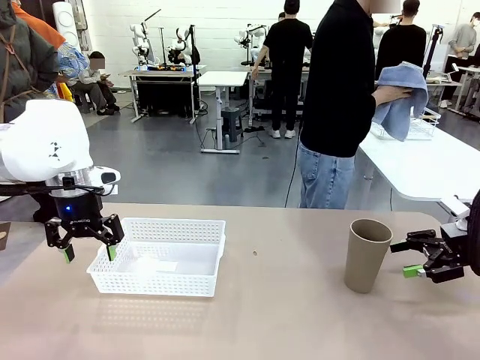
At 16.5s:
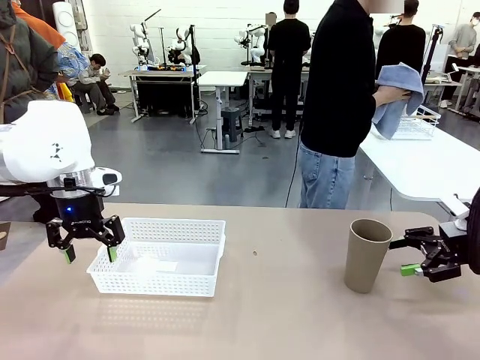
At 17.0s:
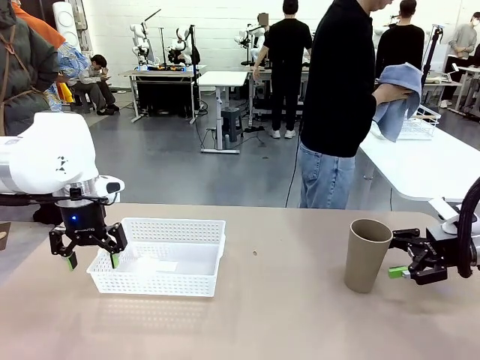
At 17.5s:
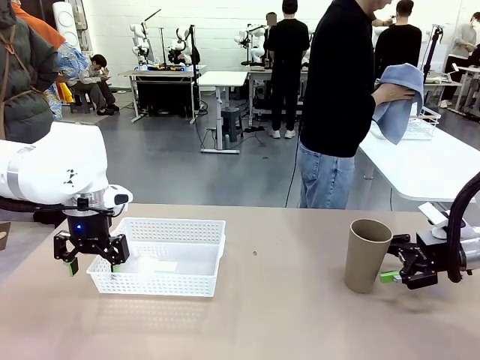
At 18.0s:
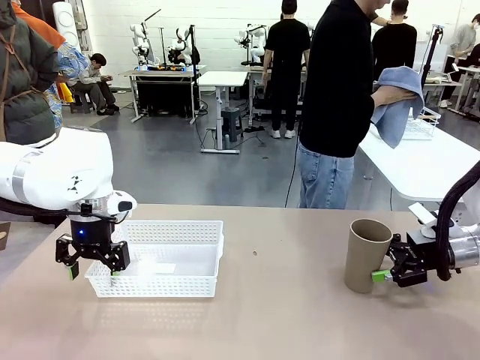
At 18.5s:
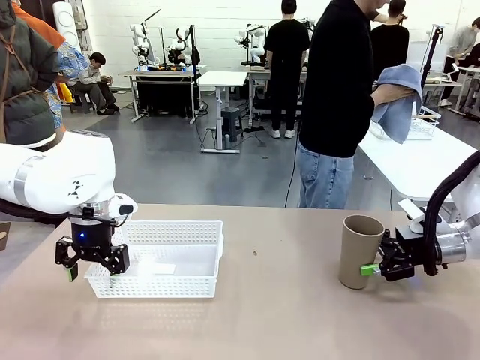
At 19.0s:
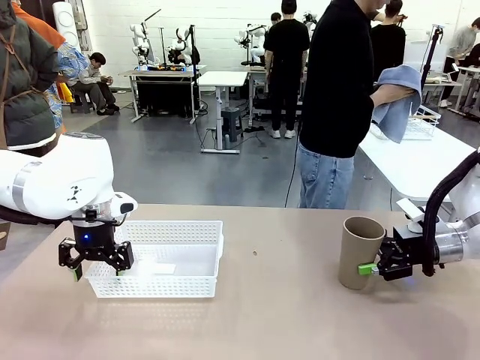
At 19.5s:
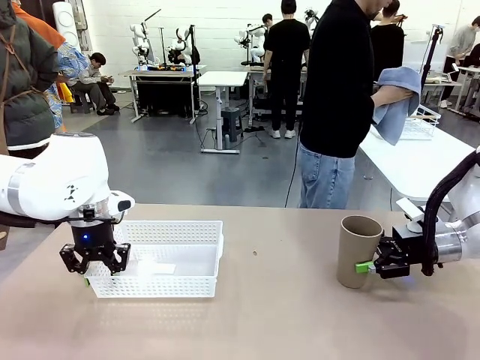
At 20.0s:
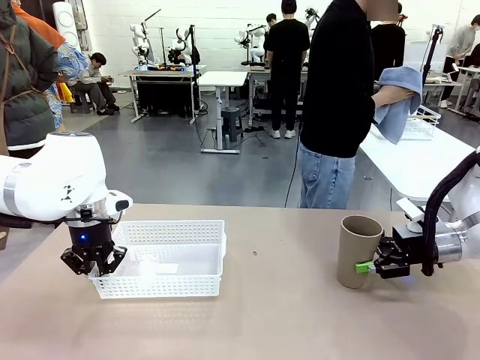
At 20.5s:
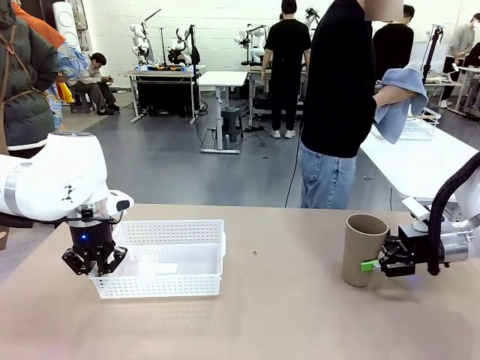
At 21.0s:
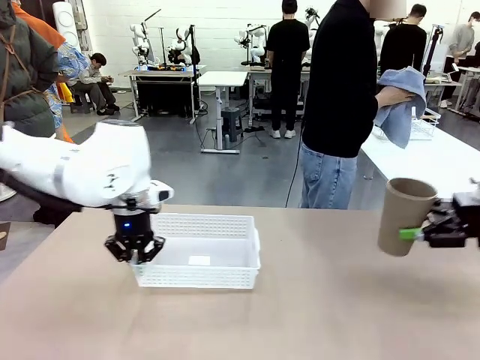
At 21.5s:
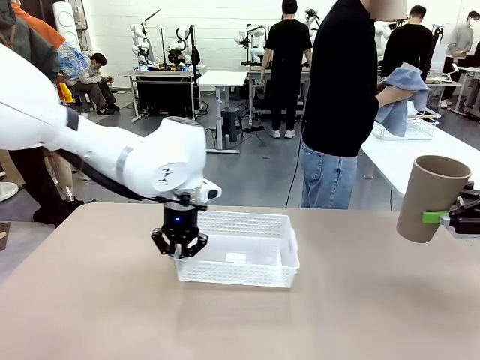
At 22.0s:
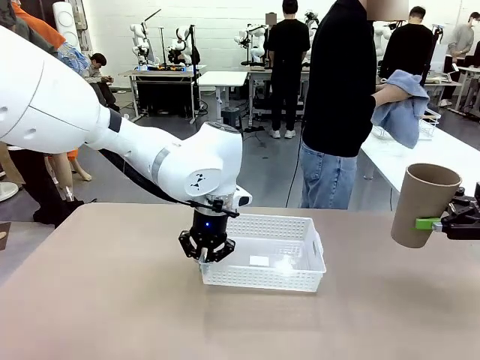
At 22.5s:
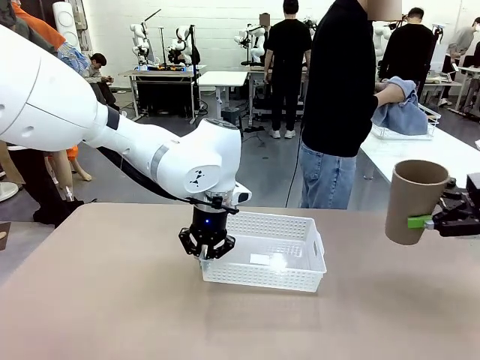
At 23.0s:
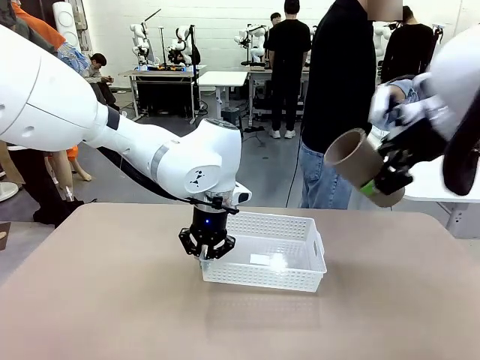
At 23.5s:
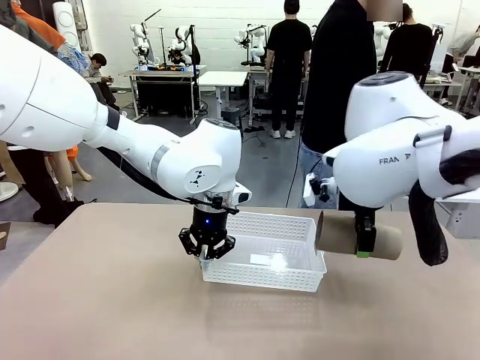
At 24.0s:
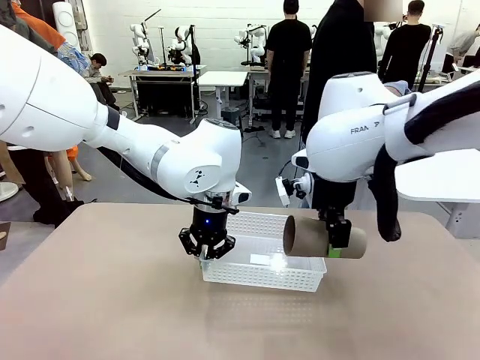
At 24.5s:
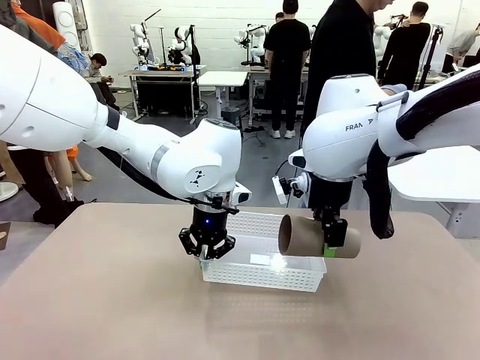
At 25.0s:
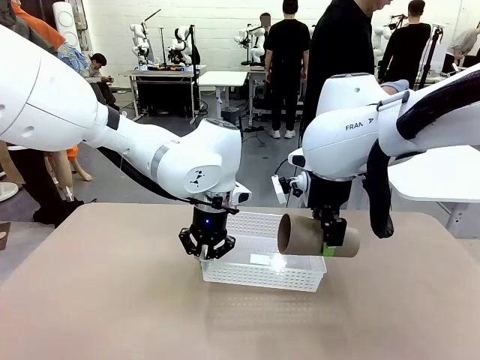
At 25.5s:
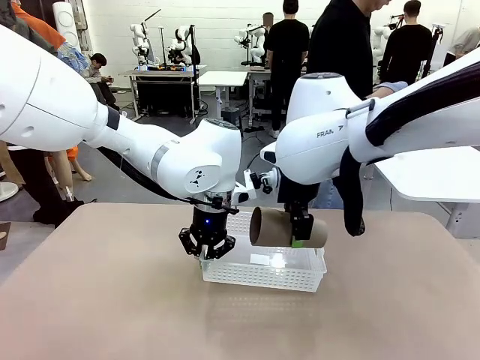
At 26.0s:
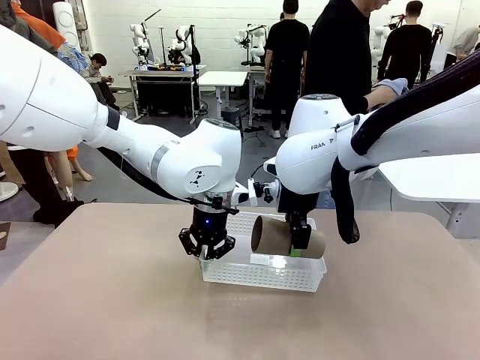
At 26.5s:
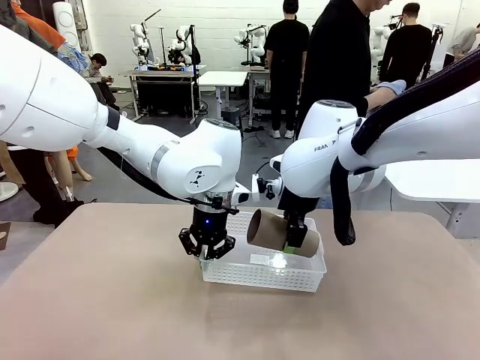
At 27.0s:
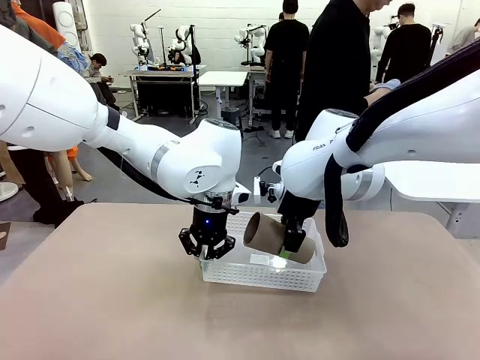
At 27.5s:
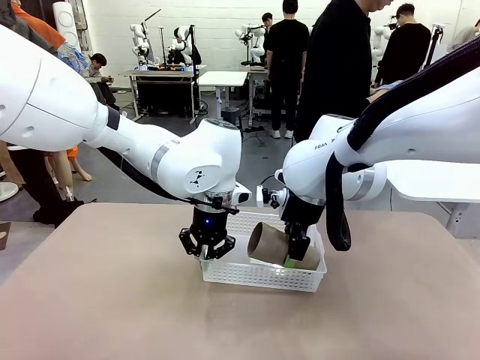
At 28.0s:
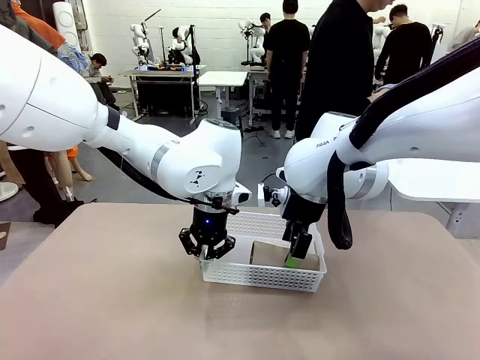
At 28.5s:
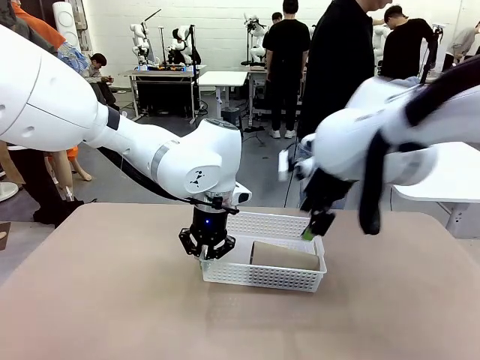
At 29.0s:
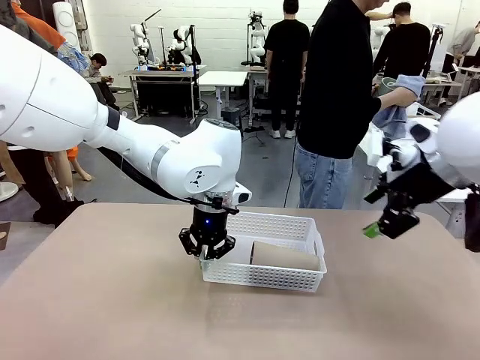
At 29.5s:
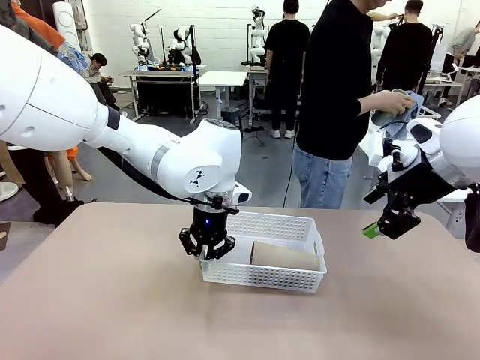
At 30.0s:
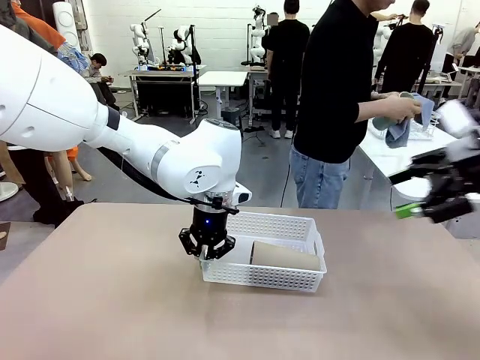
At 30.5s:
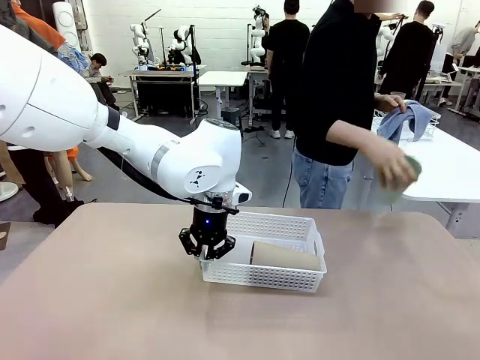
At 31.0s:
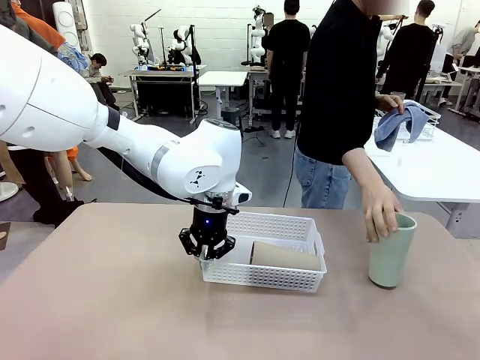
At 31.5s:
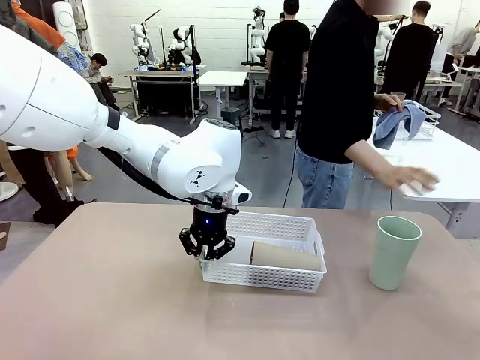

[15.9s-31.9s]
Task: Clean and organize the cups into the basket.
Robot: Pick up the Organizing basket and move it to the center of the table, then pick up the Reusable plastic cup from the right side of the table and place it inside the Organizing basket.

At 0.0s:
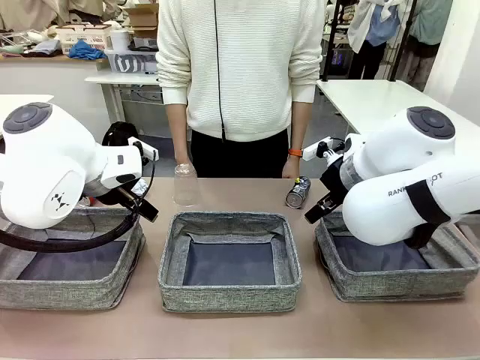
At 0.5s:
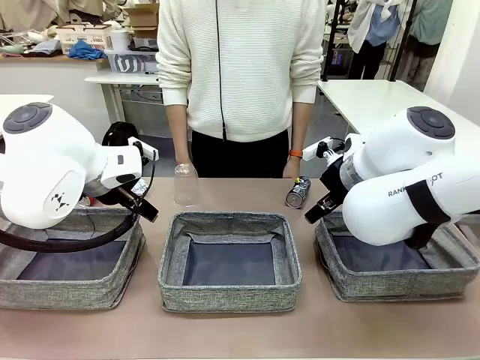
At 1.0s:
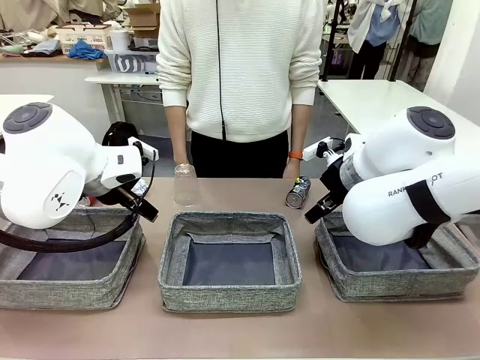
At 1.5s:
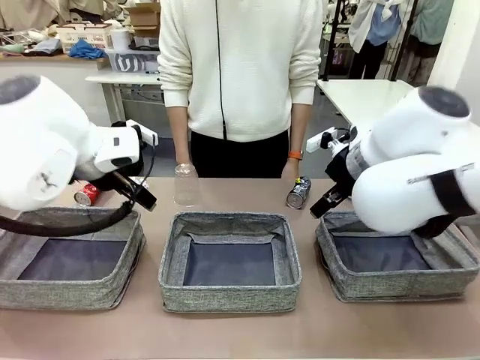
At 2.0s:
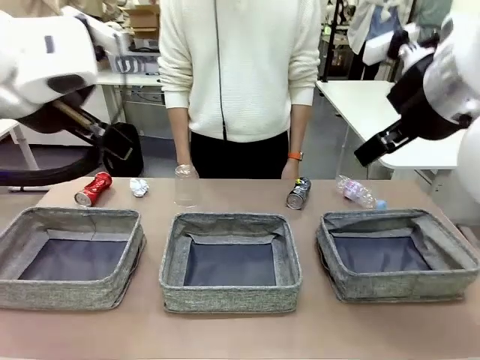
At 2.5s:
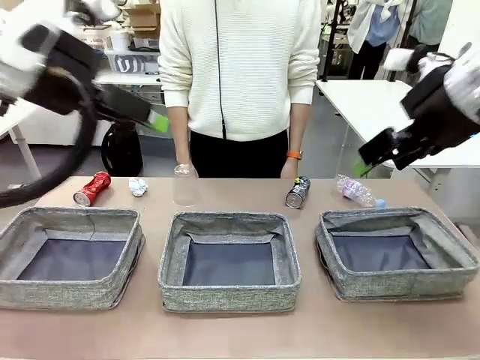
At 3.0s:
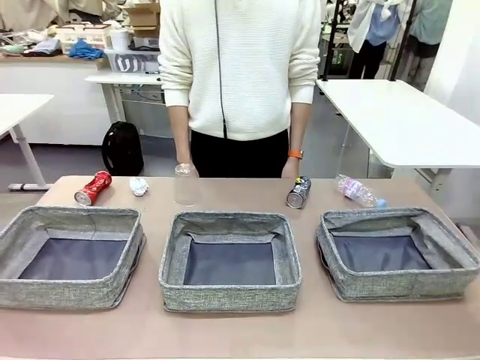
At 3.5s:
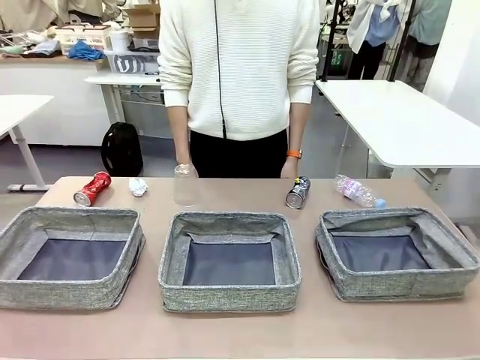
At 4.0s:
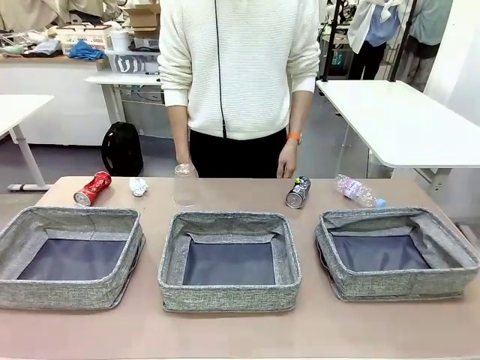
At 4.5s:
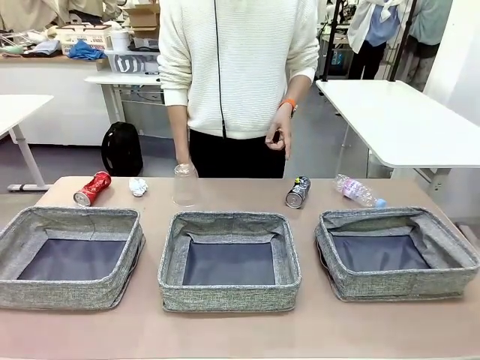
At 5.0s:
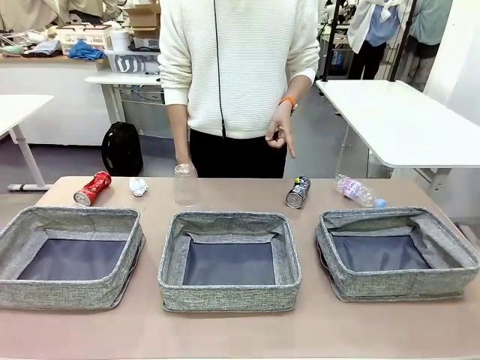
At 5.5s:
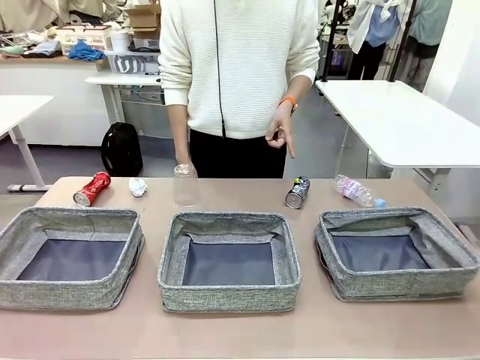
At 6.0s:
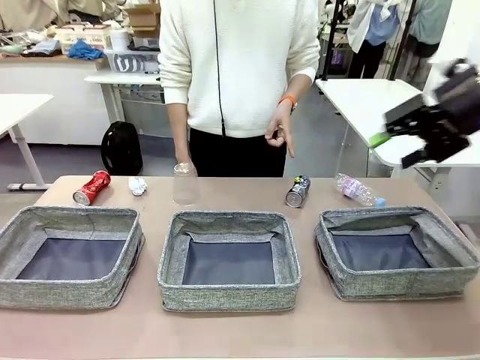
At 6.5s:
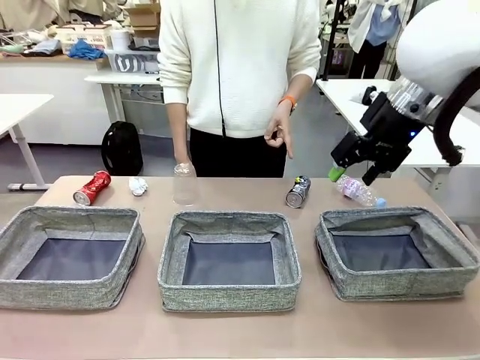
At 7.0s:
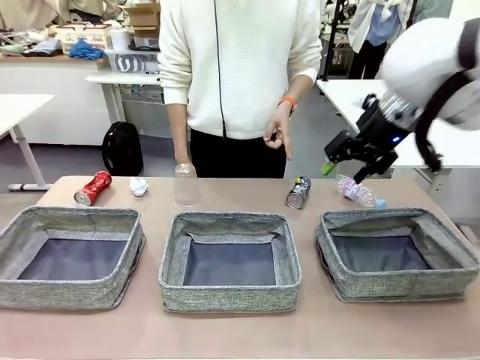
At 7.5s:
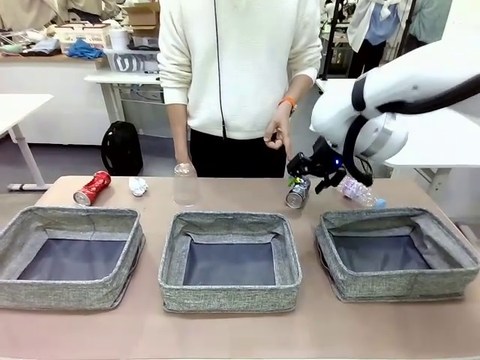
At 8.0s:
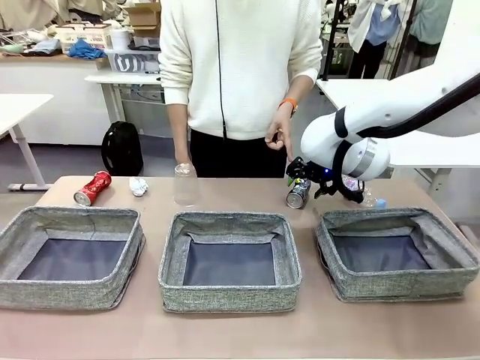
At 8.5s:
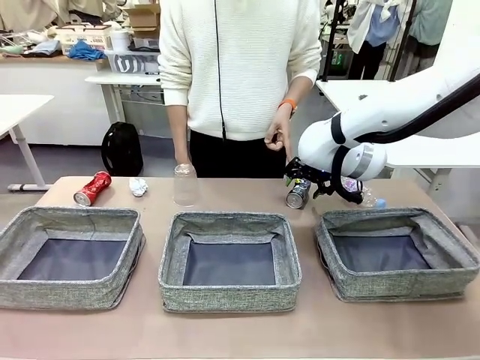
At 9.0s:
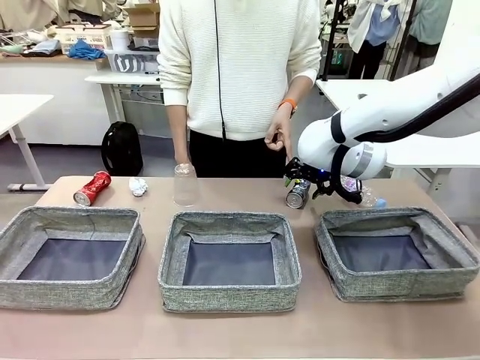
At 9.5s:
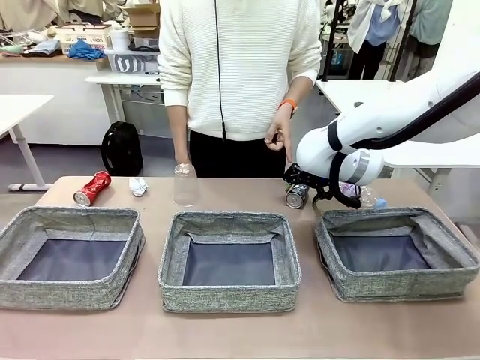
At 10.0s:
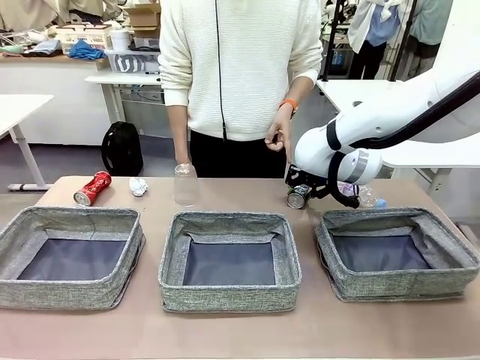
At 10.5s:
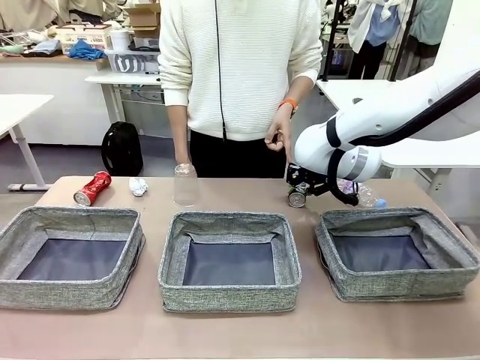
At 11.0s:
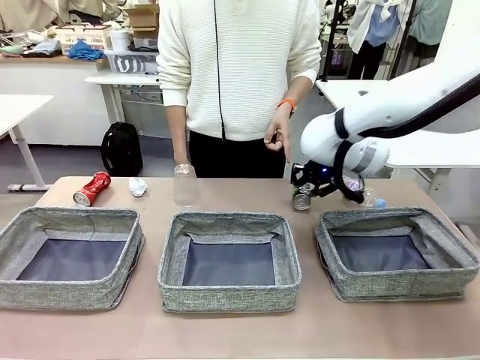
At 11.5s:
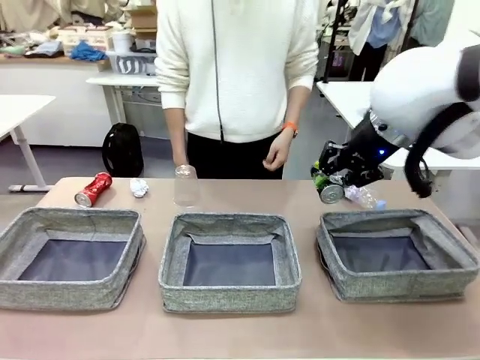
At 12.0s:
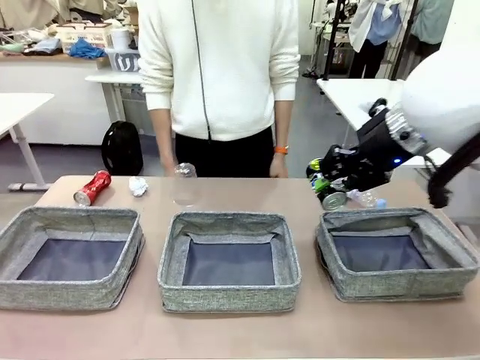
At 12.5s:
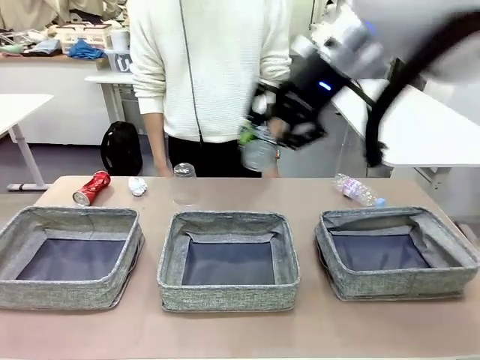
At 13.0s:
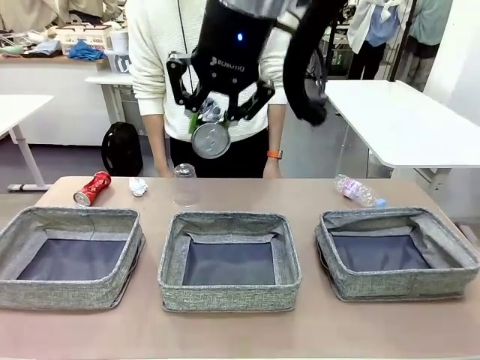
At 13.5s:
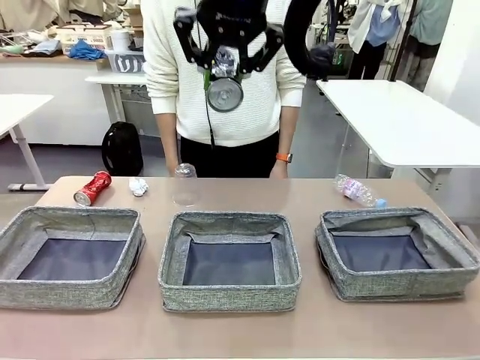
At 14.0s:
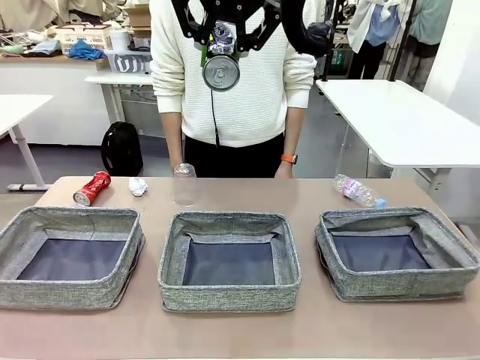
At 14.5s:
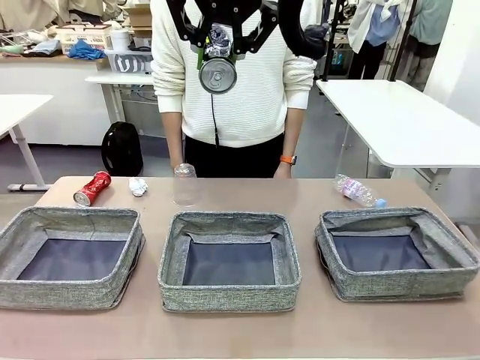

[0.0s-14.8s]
Task: Sort the waste into the appropriate baskets.
Robot: Pick up the waste item pointed out by the person.
Person: Points to one piece of trash on the table.
